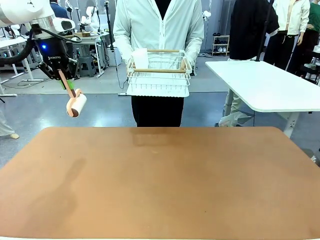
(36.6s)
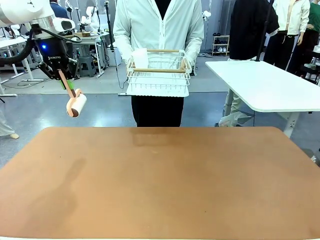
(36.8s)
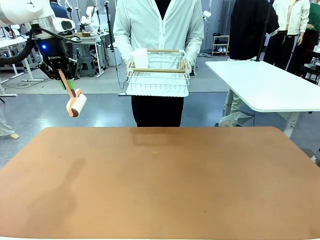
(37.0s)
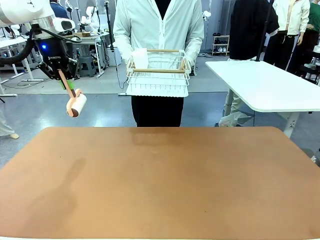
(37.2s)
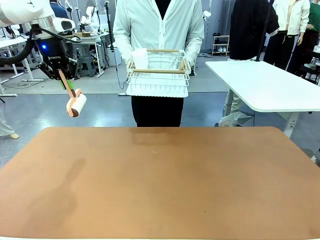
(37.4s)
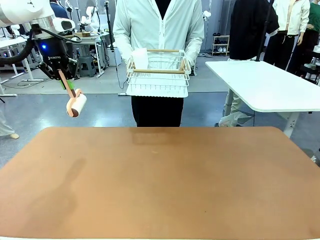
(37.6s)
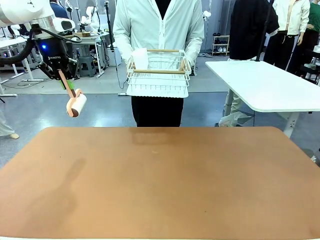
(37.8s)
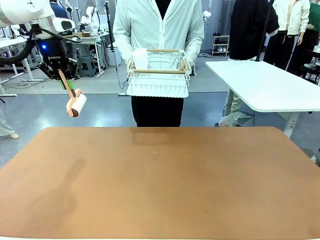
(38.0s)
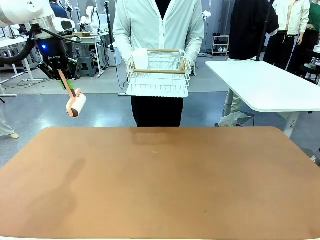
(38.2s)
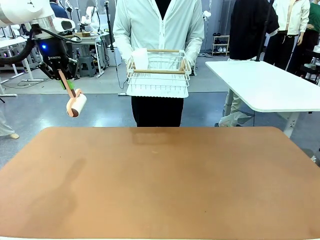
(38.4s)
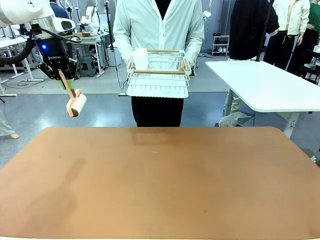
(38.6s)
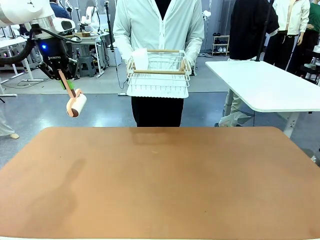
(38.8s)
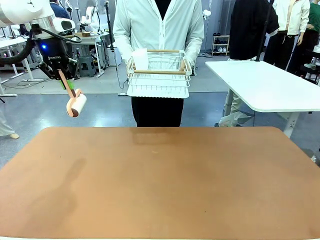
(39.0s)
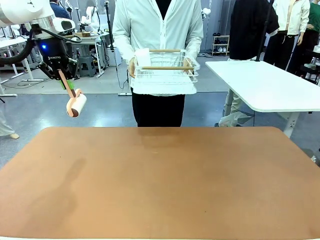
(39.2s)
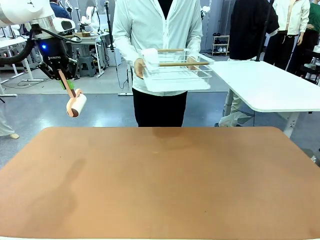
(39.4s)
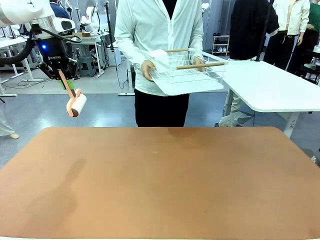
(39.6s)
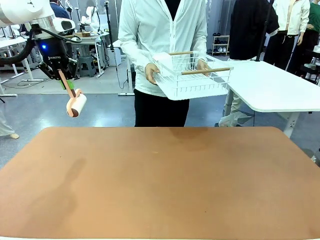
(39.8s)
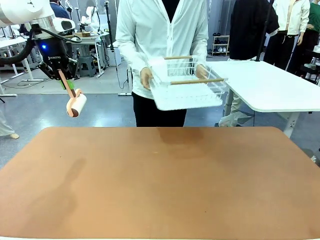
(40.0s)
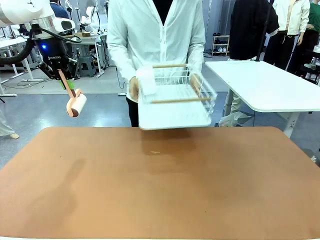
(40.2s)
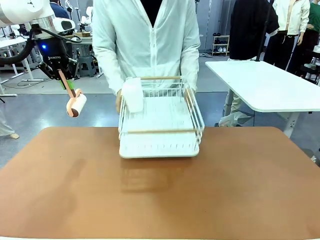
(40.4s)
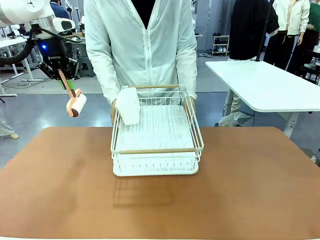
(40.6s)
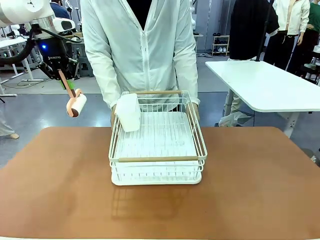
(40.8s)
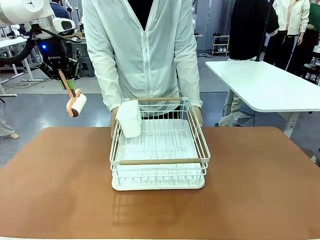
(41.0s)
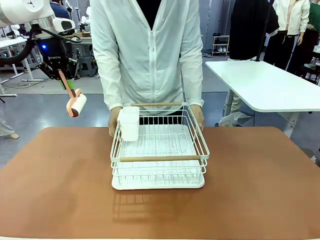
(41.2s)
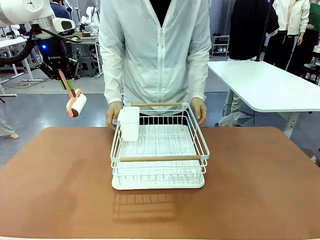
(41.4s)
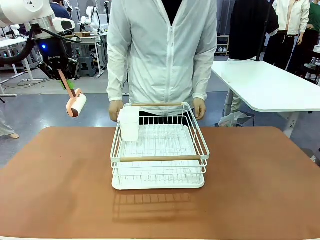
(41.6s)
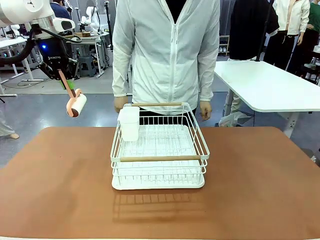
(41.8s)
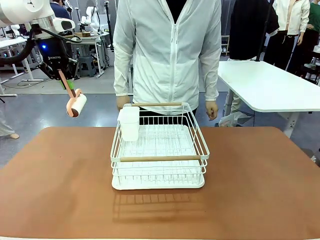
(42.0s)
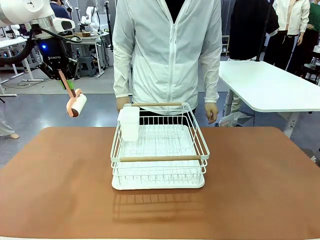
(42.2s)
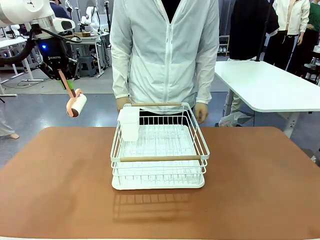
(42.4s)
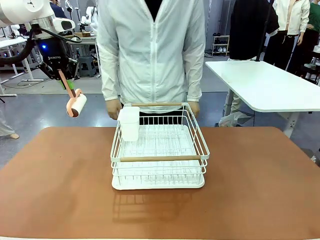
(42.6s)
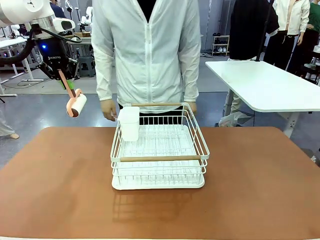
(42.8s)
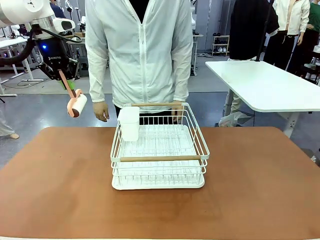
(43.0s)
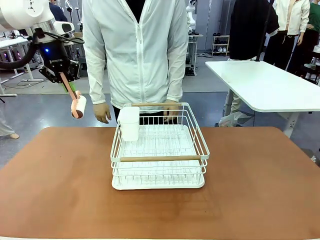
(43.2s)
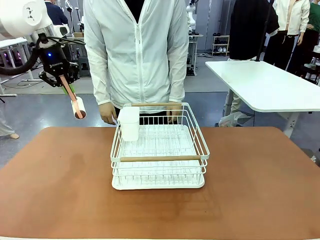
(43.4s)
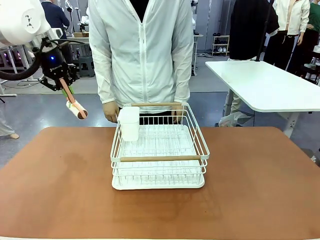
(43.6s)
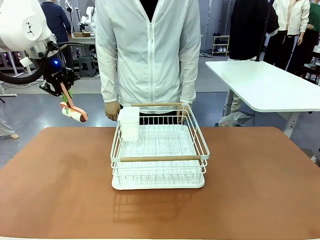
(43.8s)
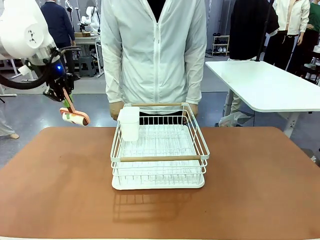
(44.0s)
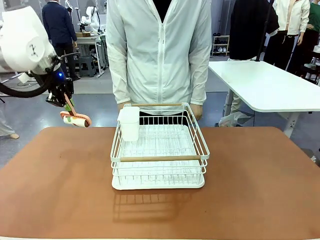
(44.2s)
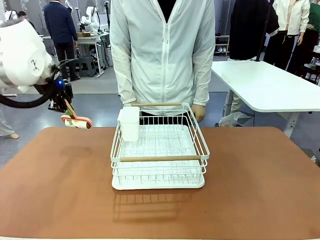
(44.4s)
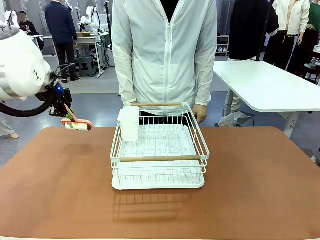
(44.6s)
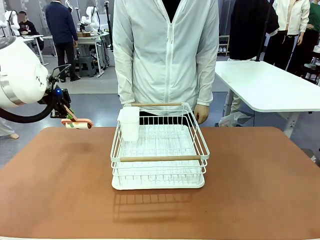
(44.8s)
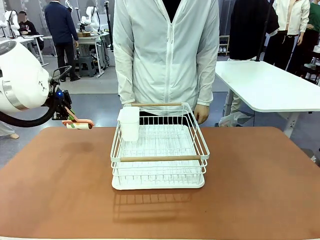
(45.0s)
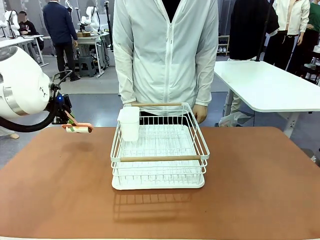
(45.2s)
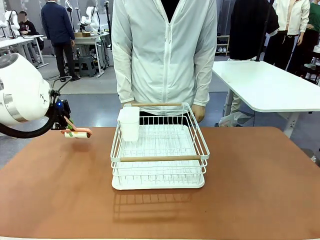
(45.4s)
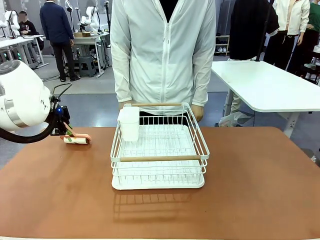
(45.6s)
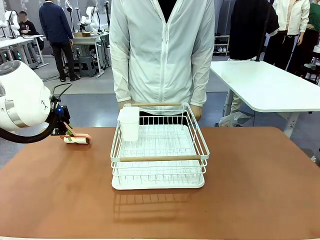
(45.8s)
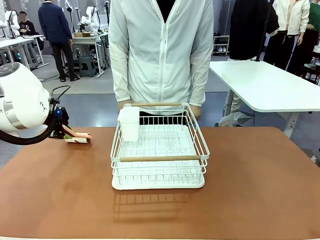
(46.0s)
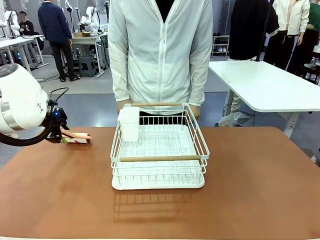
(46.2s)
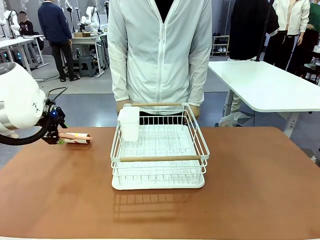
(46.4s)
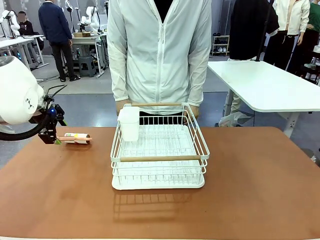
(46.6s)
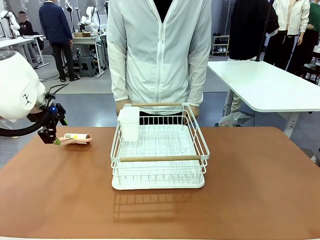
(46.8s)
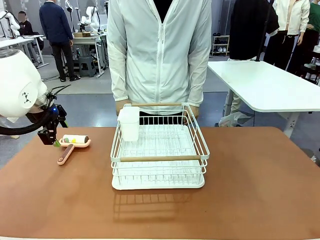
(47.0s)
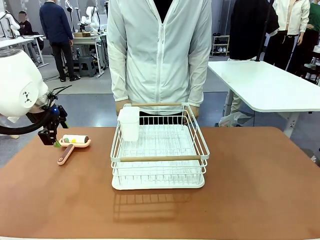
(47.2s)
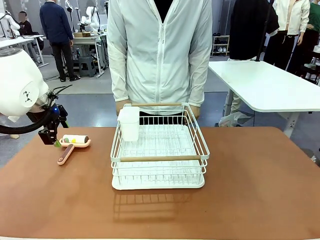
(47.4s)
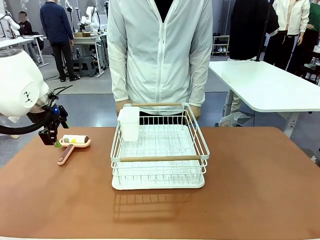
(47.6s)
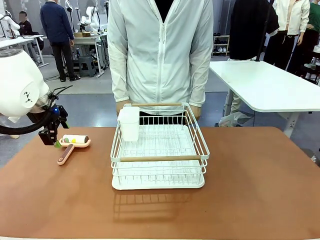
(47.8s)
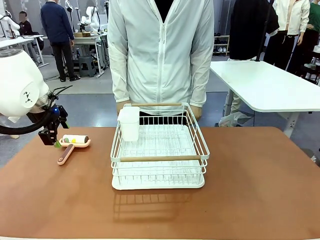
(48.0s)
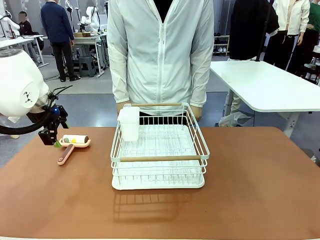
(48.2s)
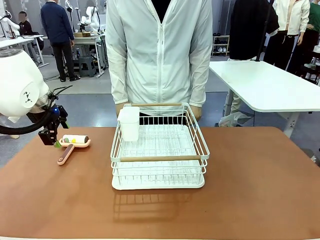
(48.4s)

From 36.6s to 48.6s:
Task: Clean the table.
Robot: Place the Lint Roller down when the Dish drying rack is positioned in the middle of the table.

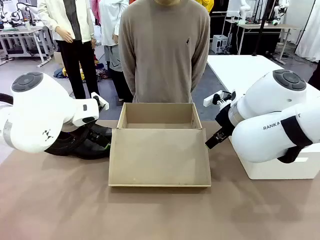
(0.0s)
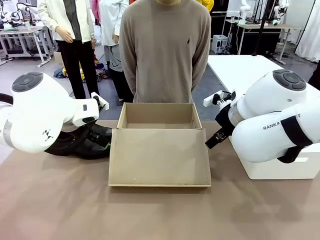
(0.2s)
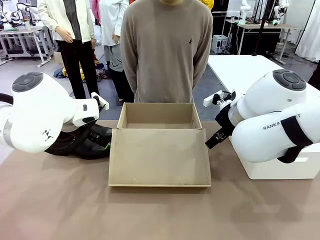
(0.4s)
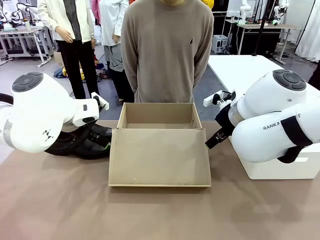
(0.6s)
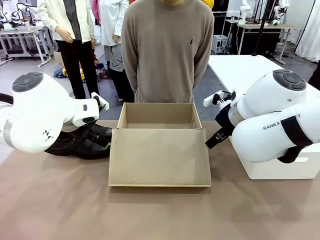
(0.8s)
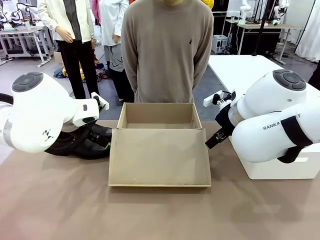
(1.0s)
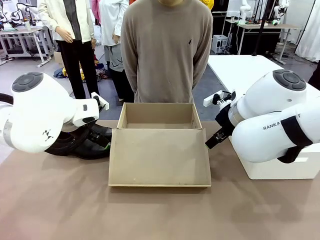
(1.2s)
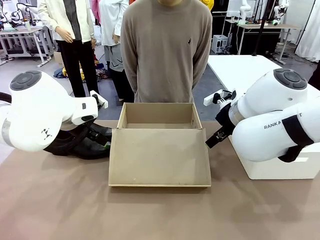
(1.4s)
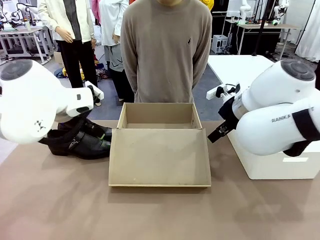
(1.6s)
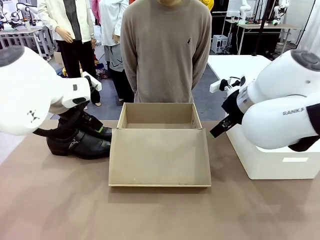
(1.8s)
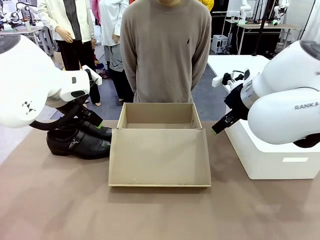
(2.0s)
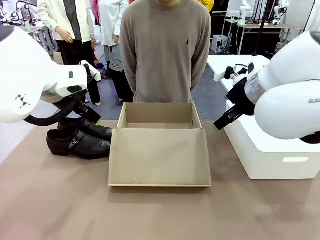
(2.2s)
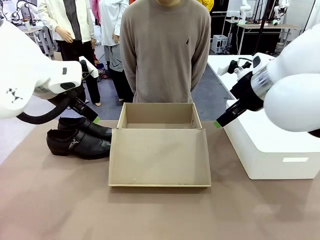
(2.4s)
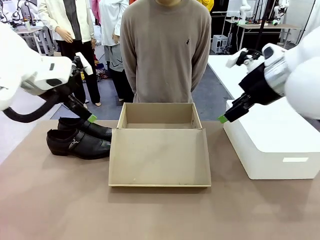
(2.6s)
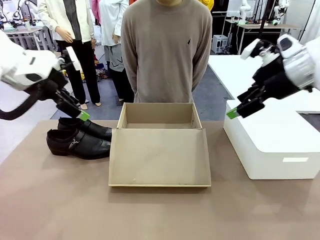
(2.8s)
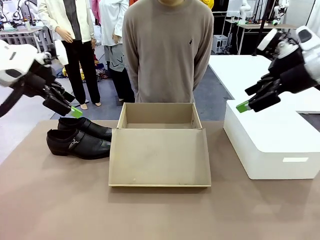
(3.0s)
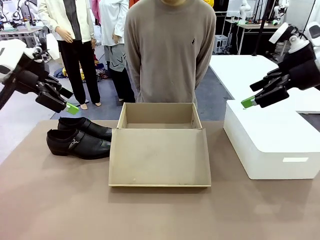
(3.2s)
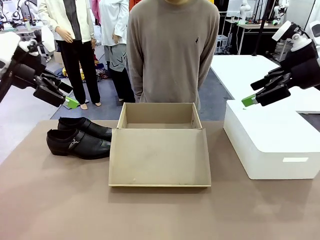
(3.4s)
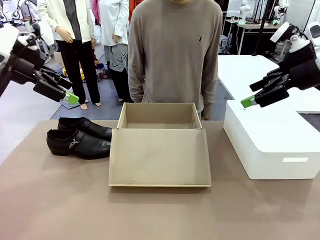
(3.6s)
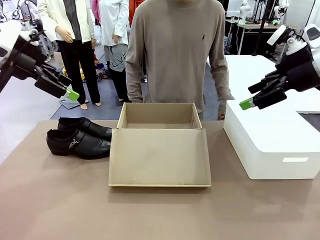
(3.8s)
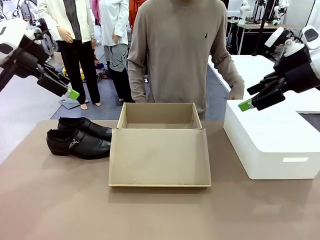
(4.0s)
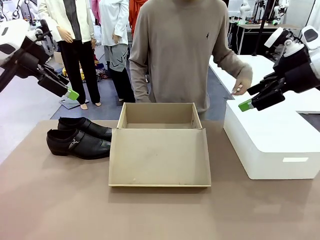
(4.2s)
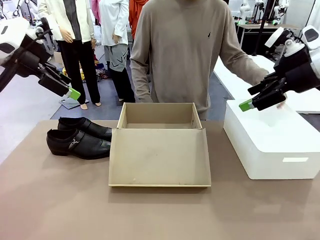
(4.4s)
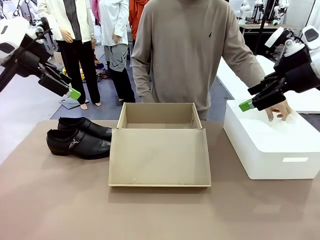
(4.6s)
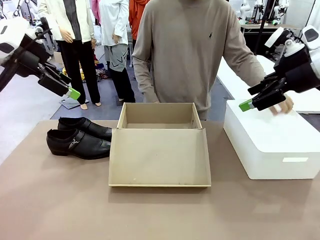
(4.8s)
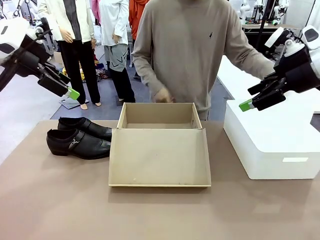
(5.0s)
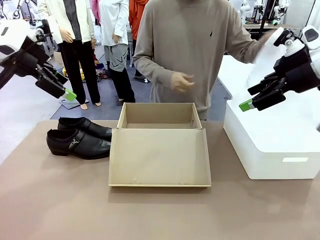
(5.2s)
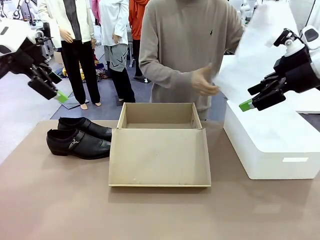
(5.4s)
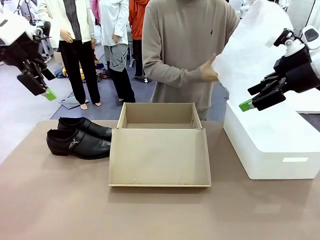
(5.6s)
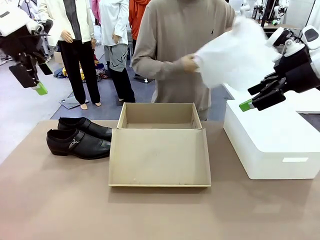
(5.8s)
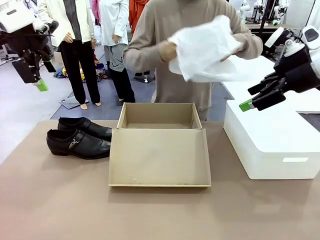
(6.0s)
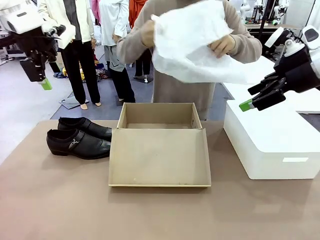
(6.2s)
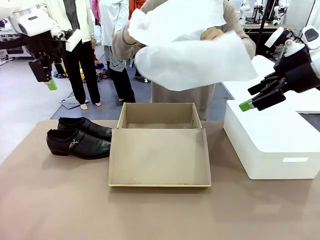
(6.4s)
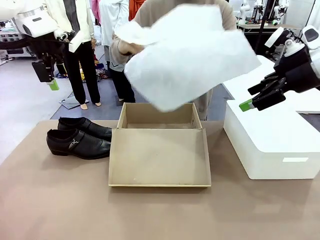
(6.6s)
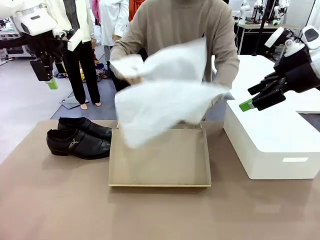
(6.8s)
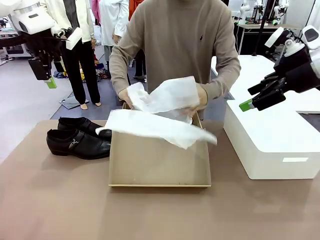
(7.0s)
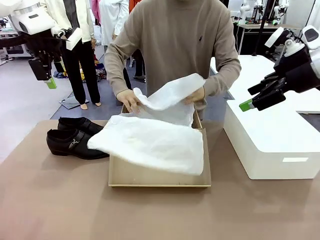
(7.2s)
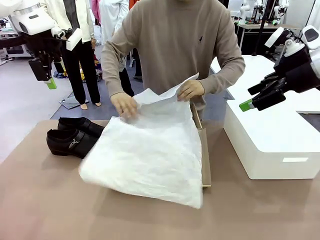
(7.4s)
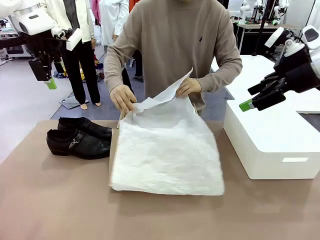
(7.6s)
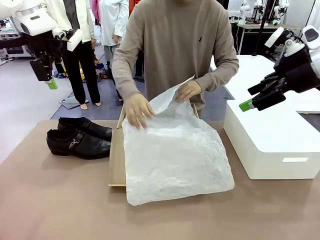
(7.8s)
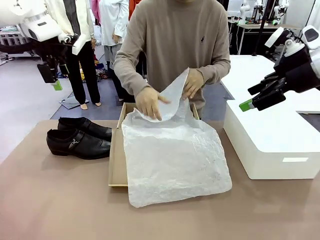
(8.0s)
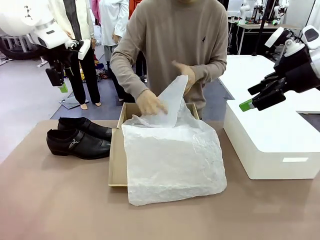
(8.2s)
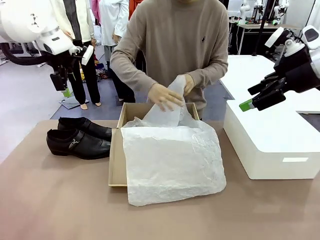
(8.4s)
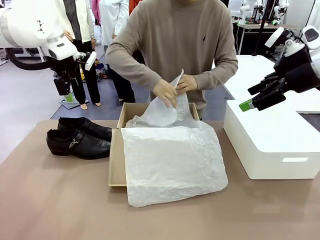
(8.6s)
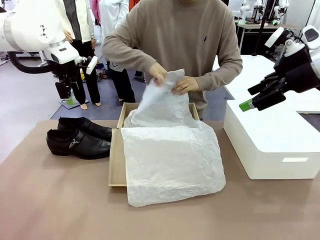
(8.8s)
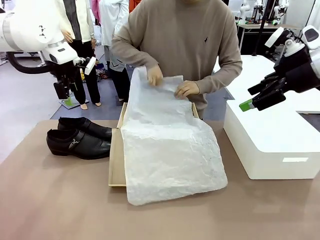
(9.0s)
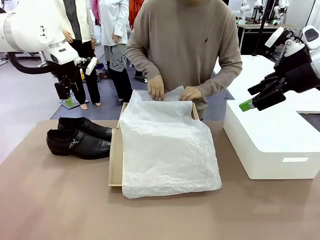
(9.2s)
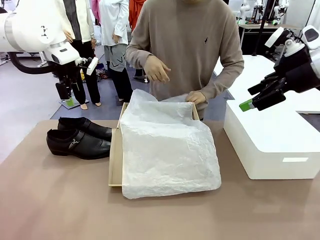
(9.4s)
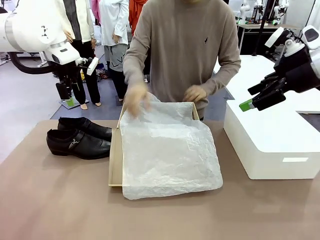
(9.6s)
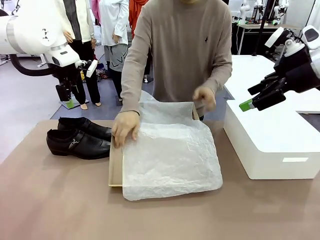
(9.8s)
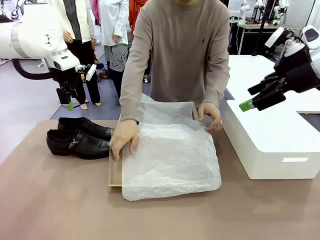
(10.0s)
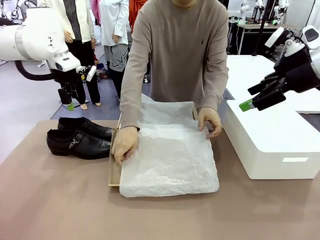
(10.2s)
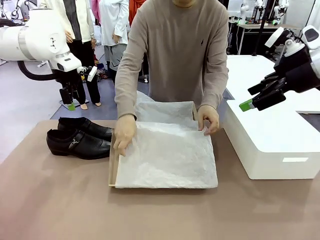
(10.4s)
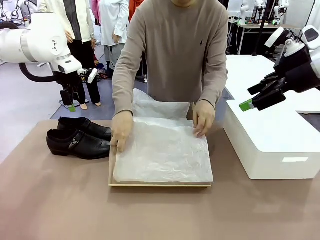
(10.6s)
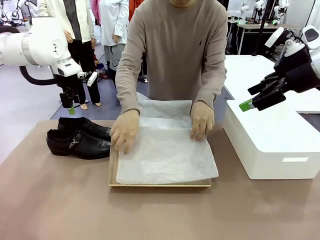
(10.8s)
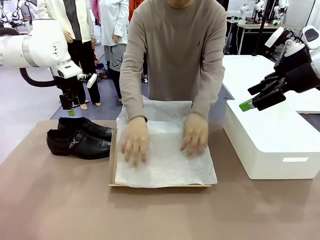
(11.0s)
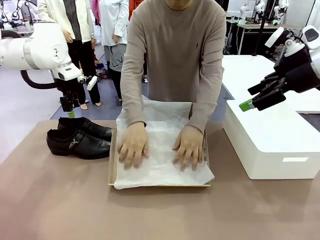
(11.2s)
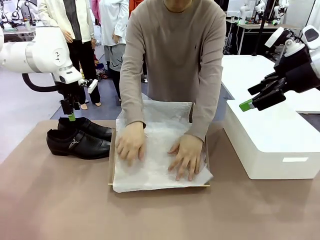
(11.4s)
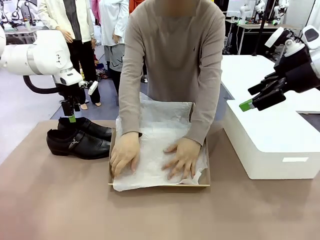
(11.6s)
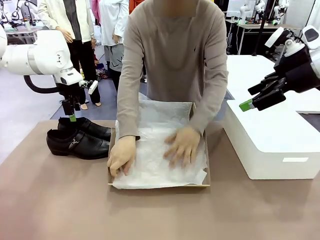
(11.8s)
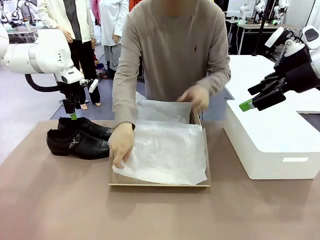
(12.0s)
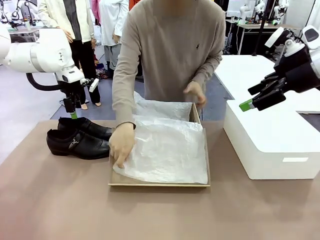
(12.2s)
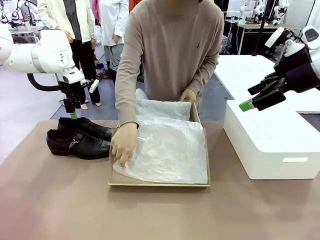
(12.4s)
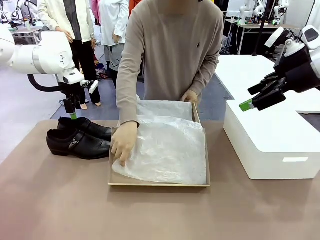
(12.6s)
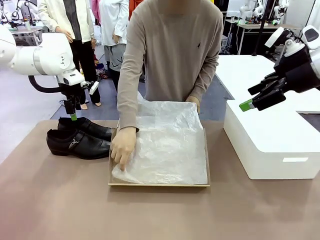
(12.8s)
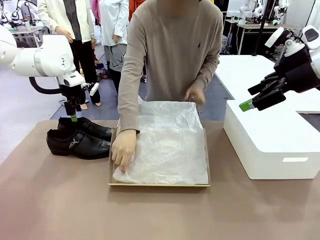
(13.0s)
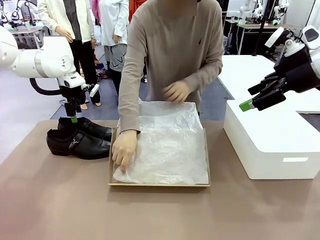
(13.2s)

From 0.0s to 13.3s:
Task: Pack the shoes into the box.
Robot: Place one shoe of the Shoes into the Shoes Box.
Person: Spread Shoes Wrapping Paper and place inside the Shoes Box.
